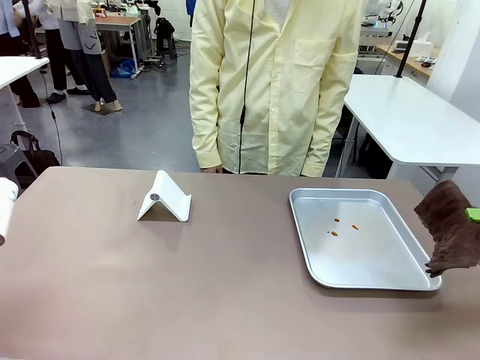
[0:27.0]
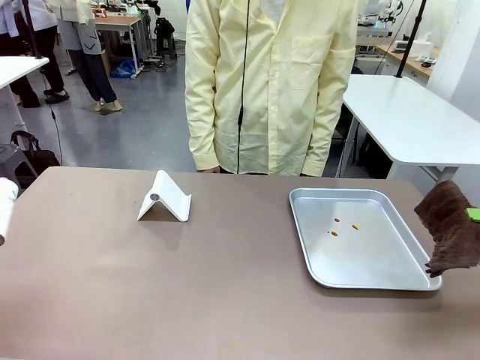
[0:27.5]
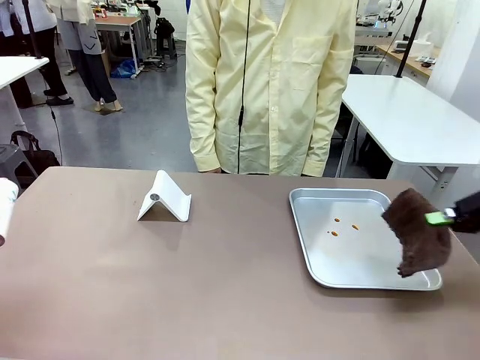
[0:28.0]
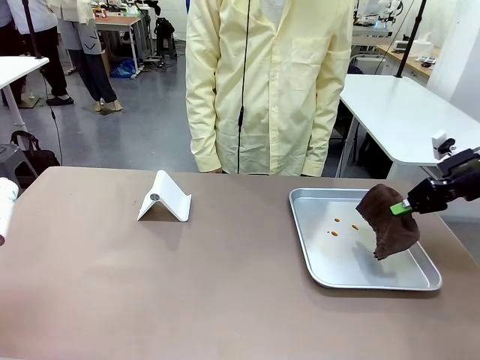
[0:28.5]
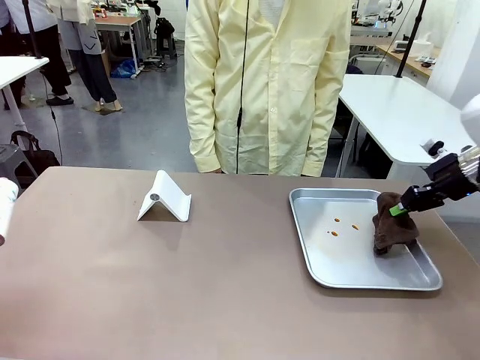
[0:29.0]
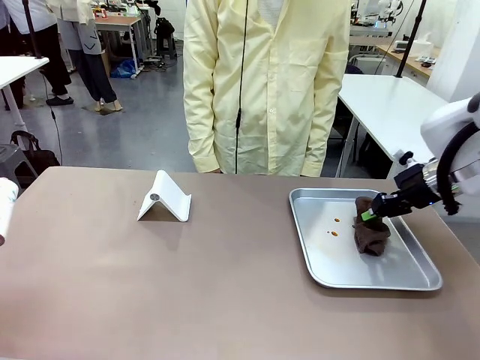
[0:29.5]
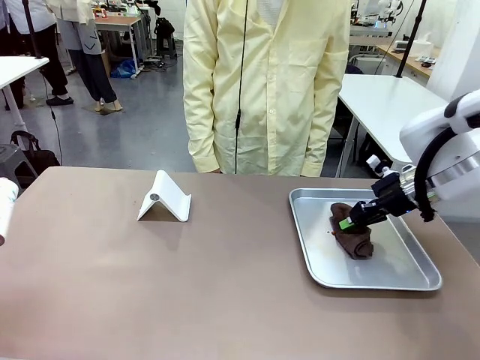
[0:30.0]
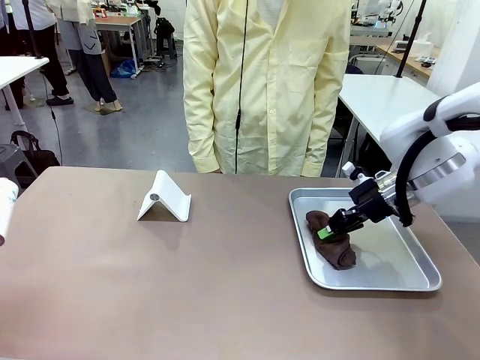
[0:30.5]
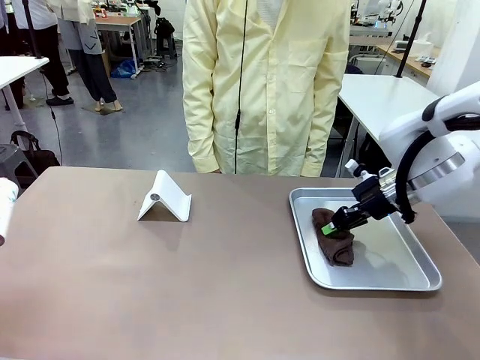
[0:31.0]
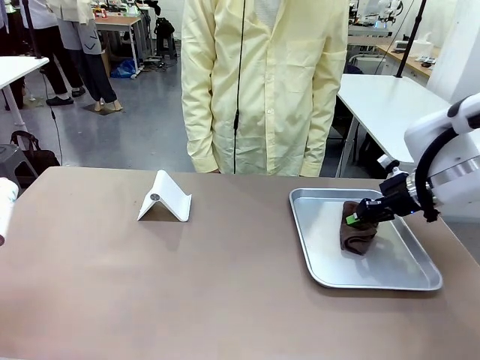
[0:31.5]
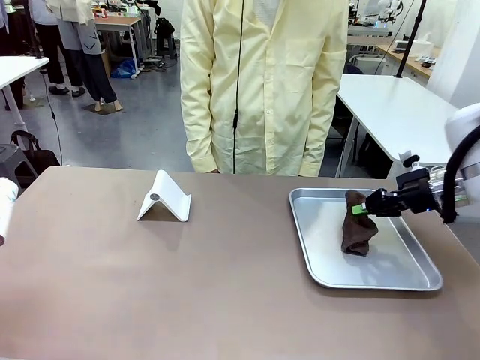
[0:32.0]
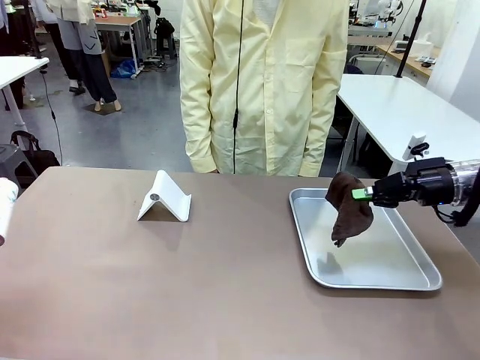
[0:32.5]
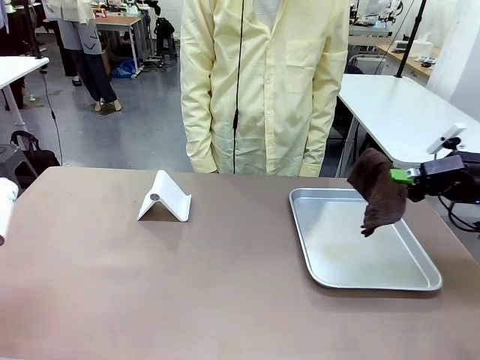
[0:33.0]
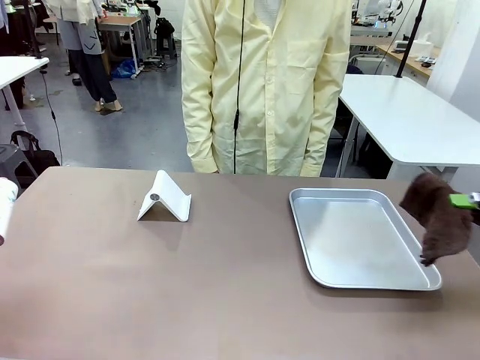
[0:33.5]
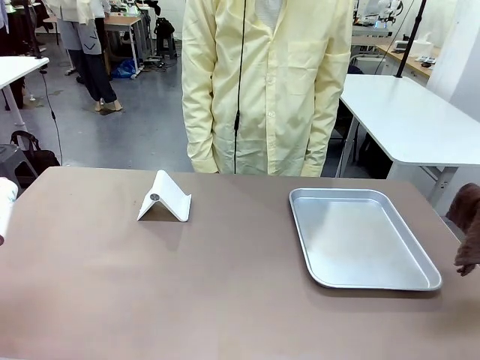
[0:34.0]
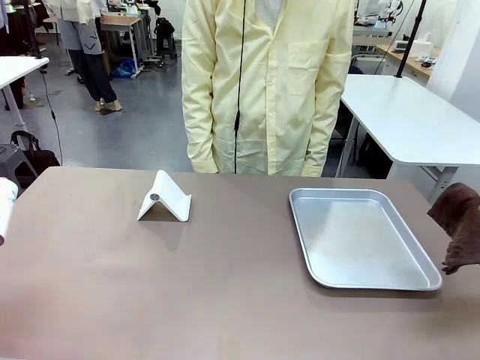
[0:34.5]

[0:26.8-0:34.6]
Task: Clean the surface of the table.
Robot: Clean the area not pointed to by the person.

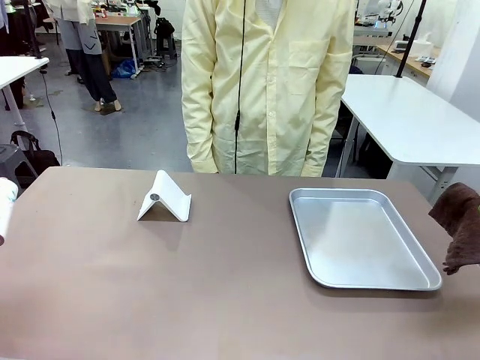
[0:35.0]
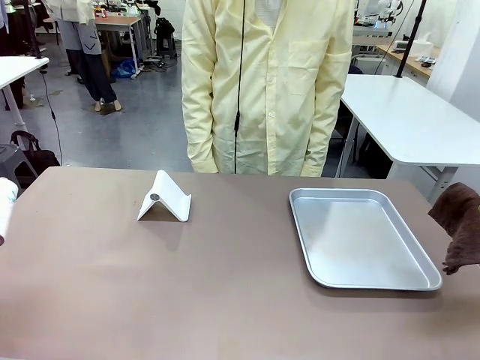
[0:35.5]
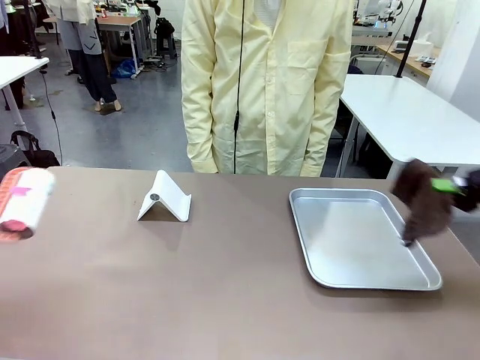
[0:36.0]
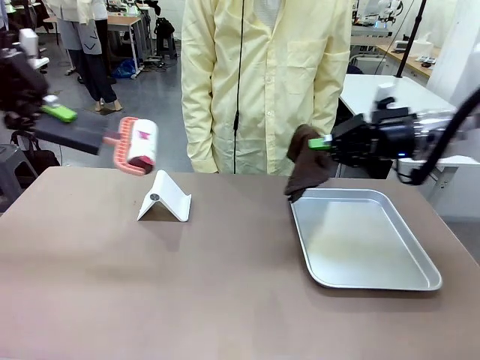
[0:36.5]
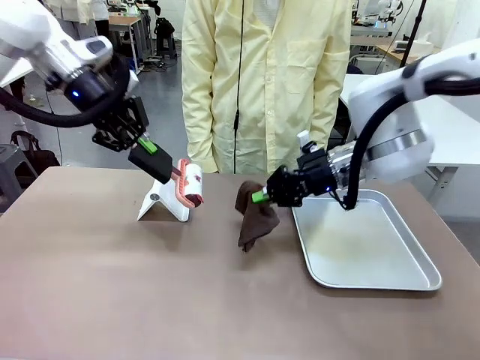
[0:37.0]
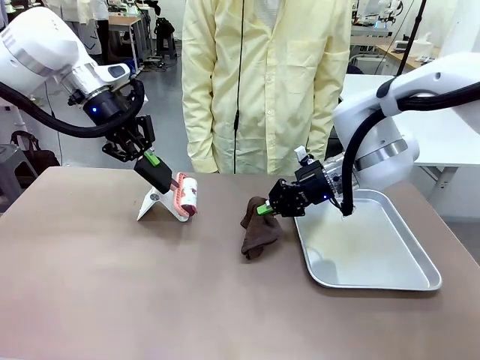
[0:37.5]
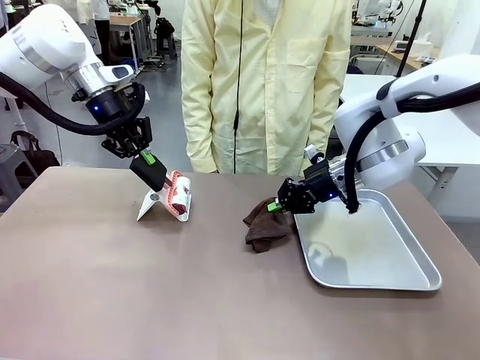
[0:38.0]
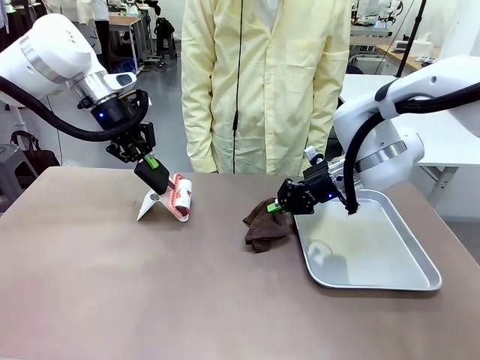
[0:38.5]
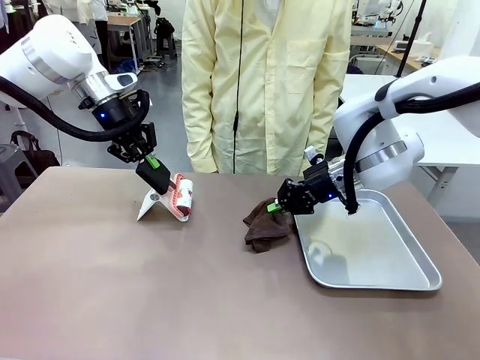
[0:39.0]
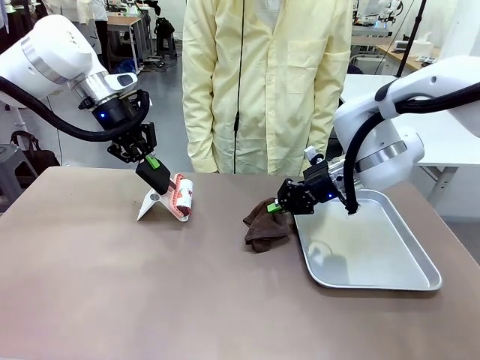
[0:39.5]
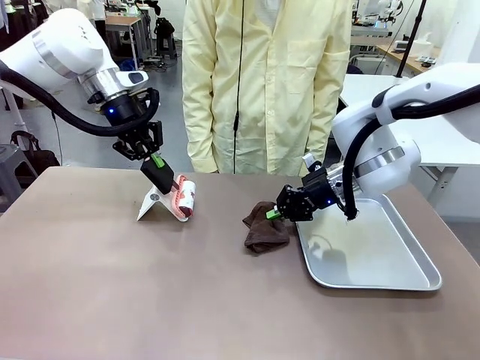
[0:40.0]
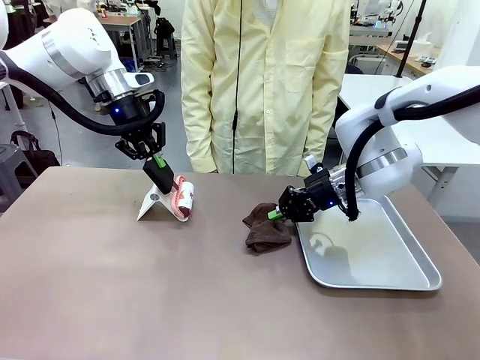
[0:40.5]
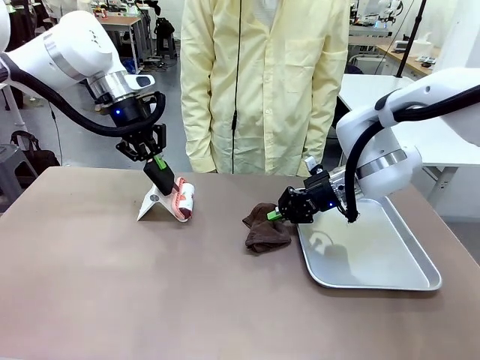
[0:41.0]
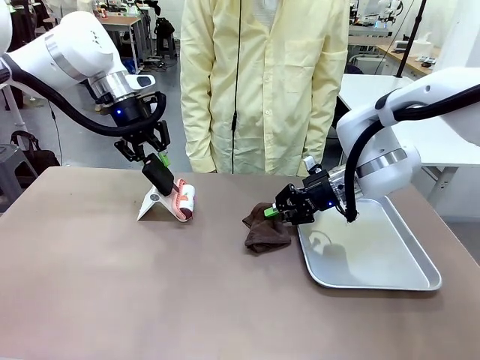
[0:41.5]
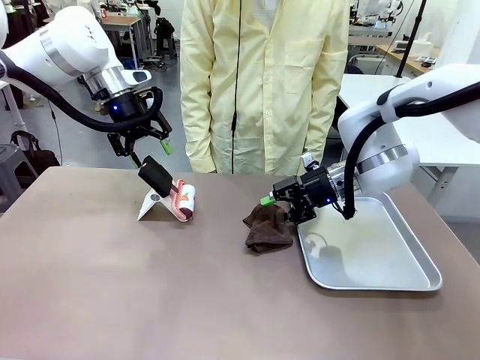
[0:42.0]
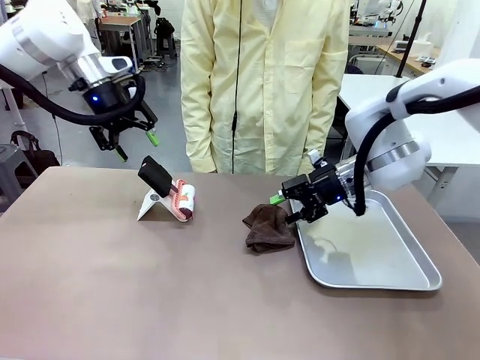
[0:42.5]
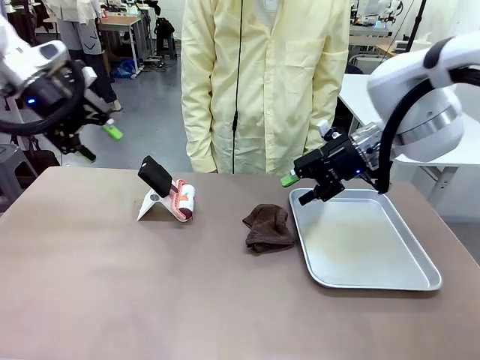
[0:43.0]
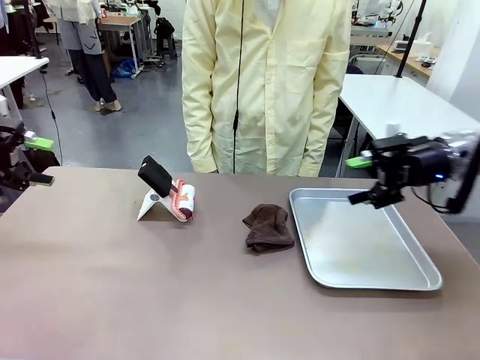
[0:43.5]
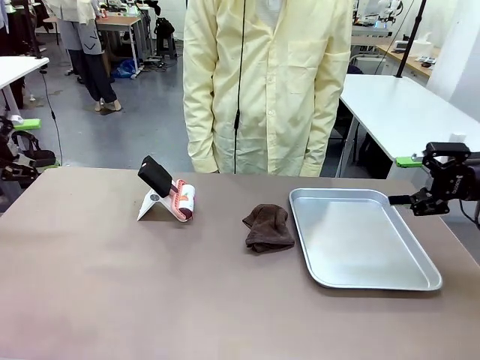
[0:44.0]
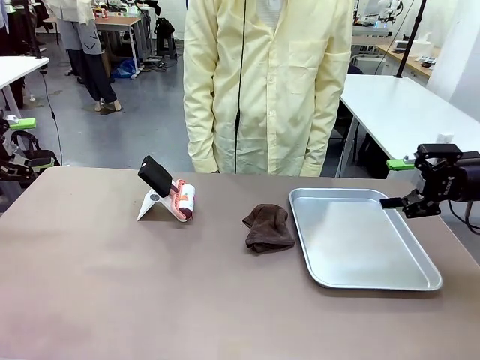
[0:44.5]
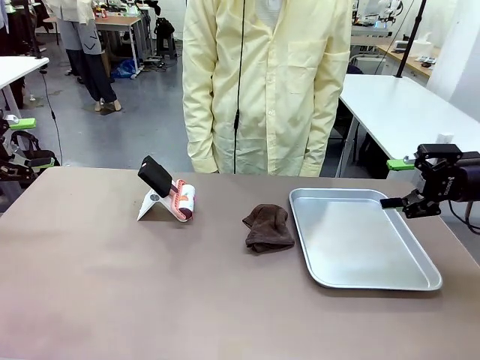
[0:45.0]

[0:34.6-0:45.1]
Robot: Return the Lint Roller and towel to their original positions.

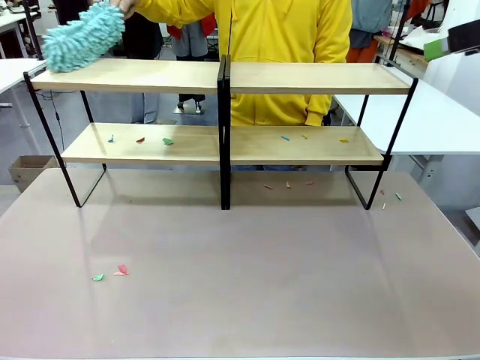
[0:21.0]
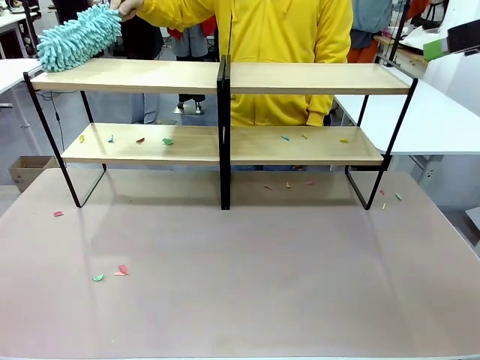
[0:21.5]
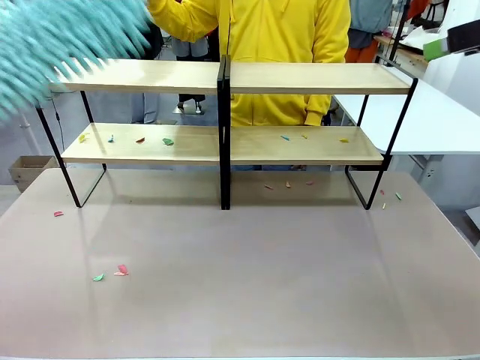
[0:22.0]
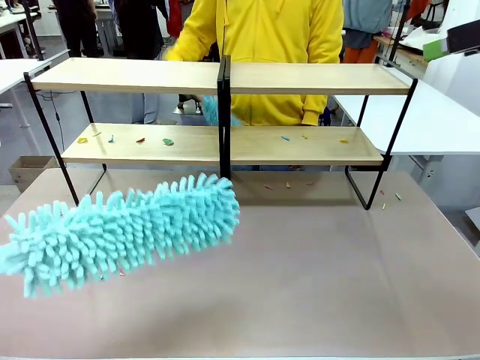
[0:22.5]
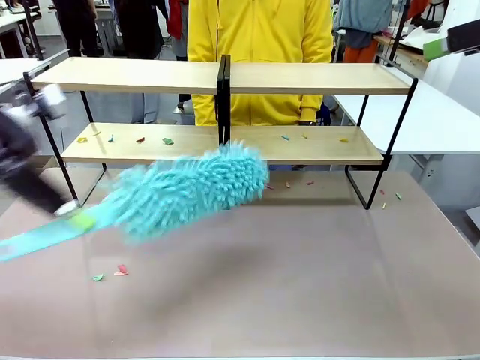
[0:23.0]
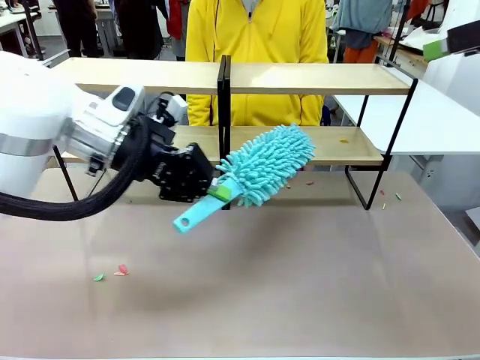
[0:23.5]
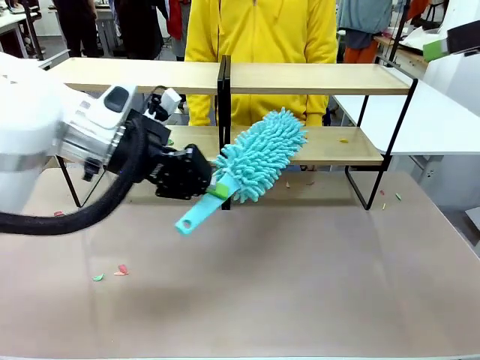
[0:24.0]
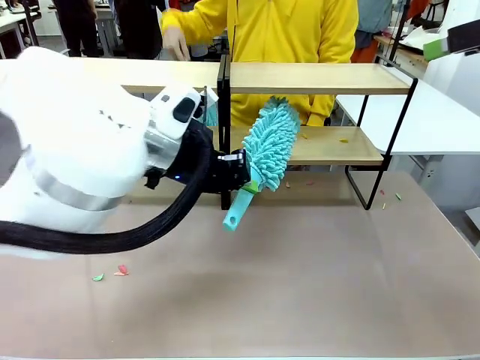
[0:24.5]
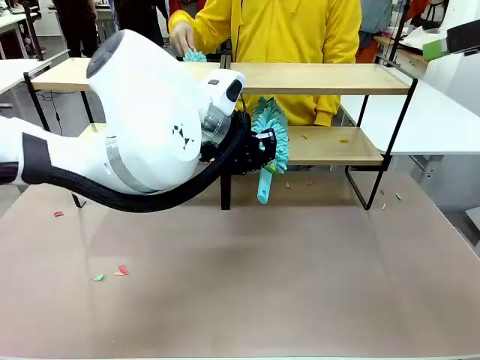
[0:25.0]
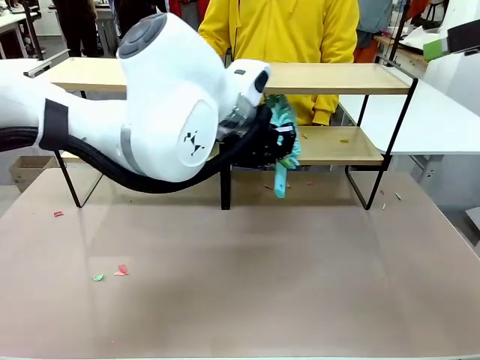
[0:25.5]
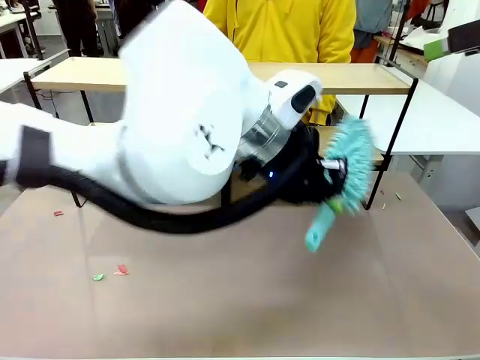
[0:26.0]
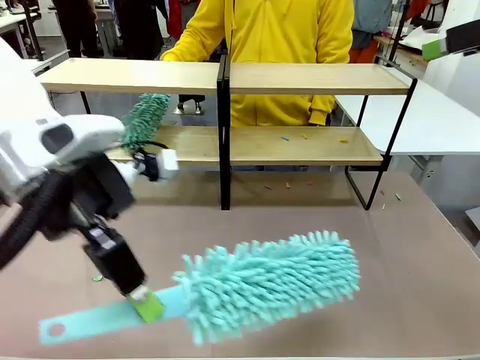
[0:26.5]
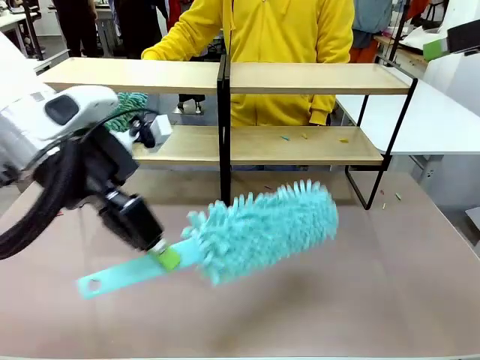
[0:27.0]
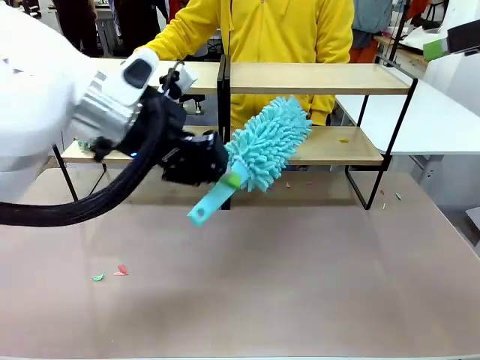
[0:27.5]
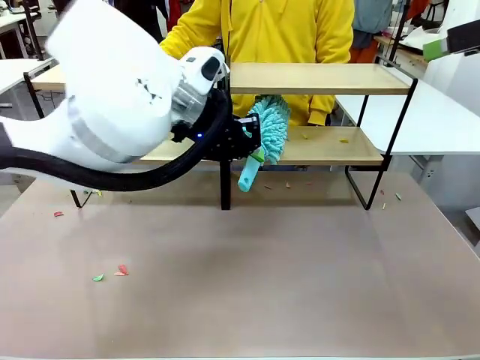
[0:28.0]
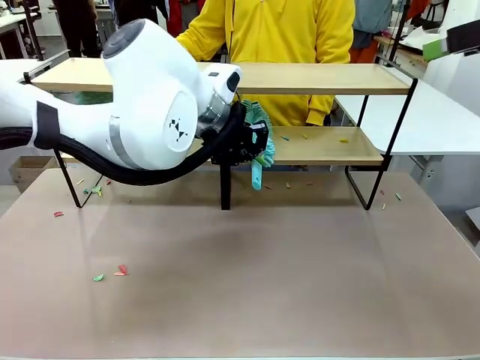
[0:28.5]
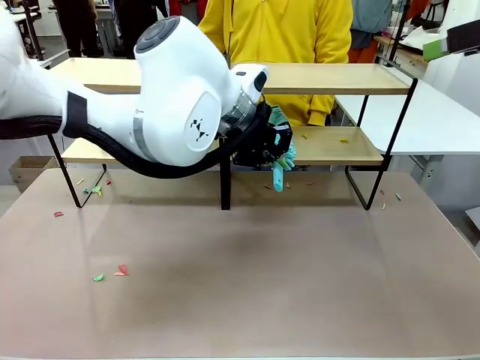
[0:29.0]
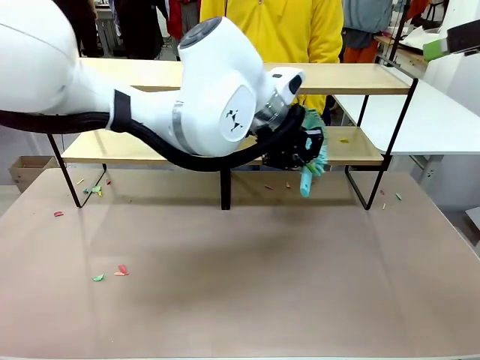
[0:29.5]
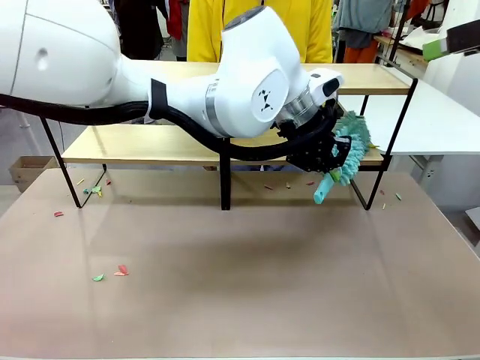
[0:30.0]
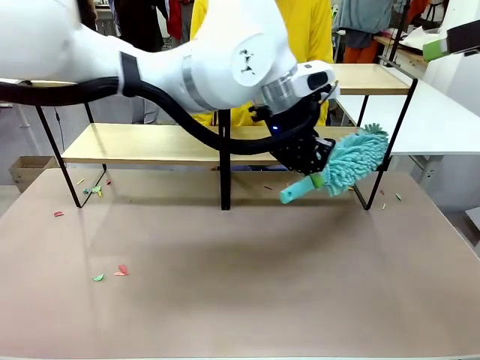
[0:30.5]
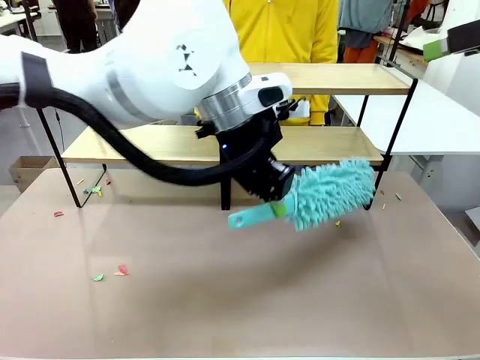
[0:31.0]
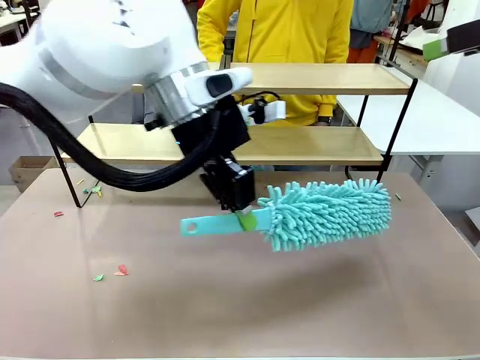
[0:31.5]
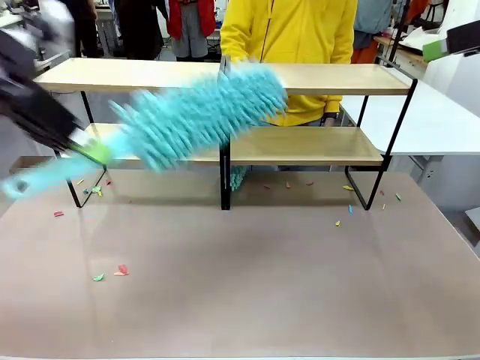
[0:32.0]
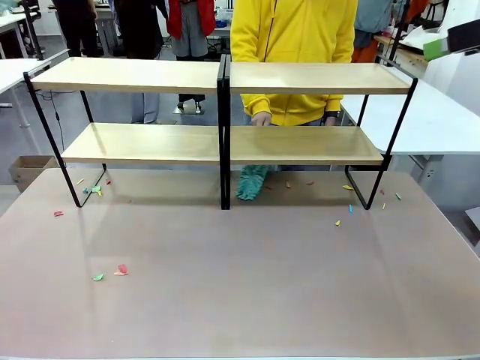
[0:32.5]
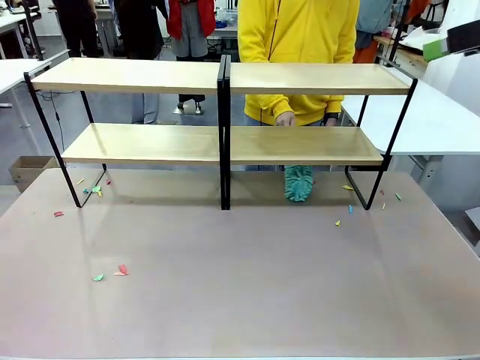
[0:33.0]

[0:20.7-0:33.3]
Task: Clean the shelves.
Robot: Clean another randomly selected level of the Shelf with the Duster.
